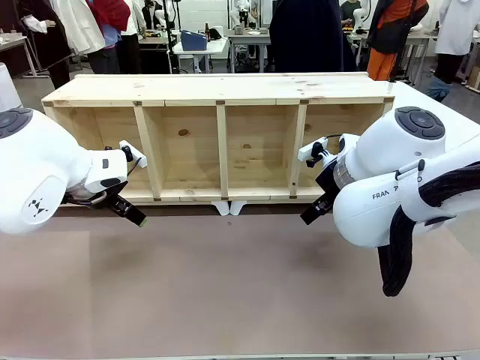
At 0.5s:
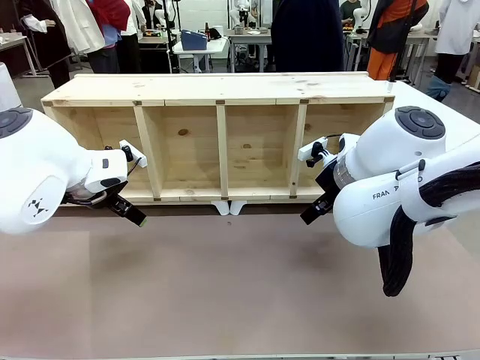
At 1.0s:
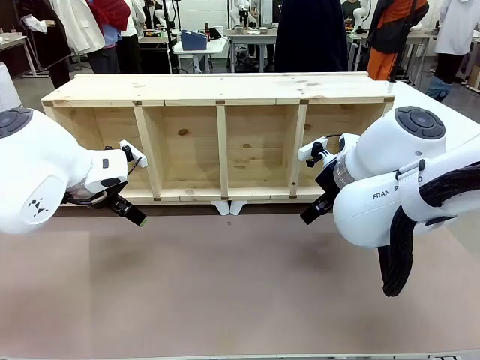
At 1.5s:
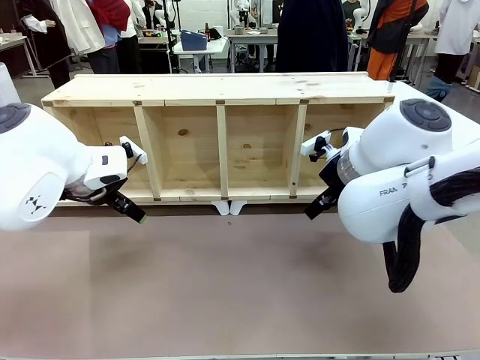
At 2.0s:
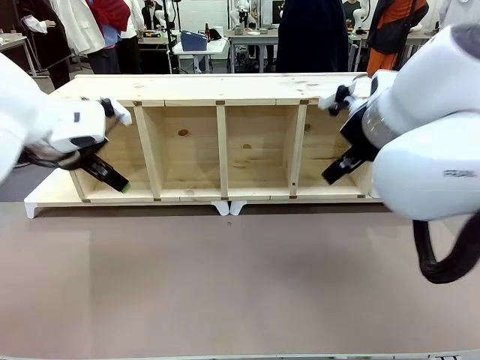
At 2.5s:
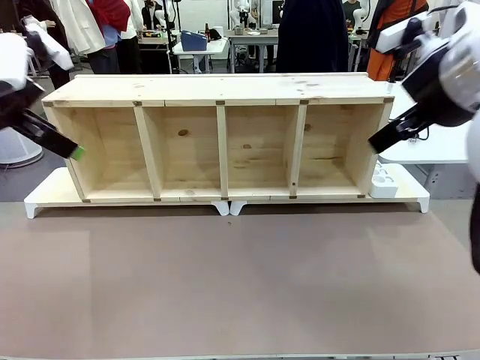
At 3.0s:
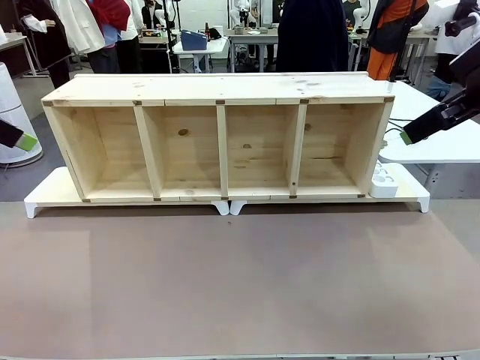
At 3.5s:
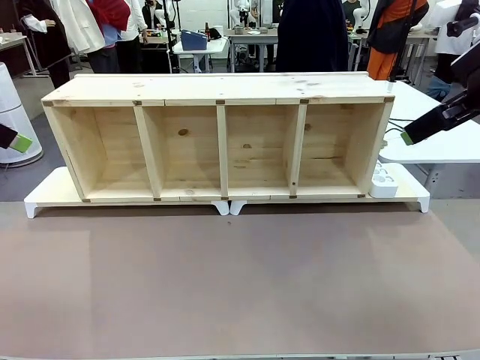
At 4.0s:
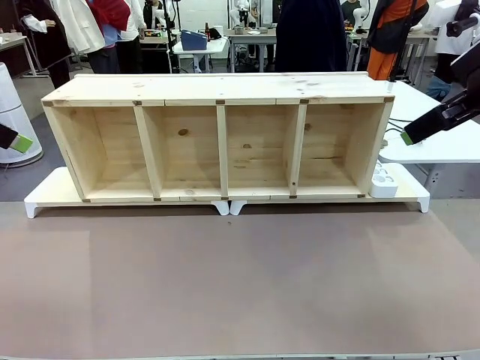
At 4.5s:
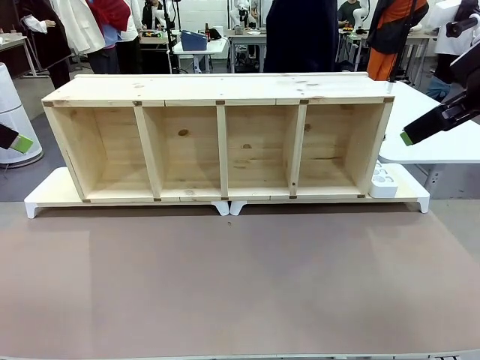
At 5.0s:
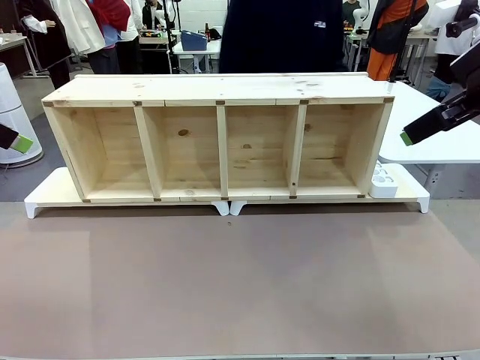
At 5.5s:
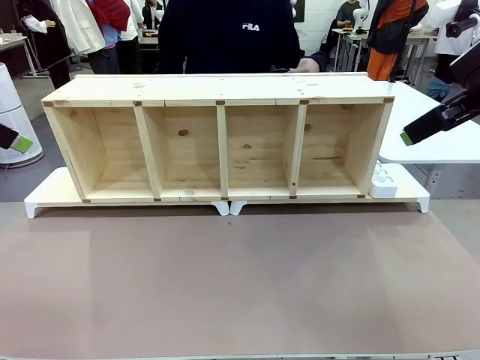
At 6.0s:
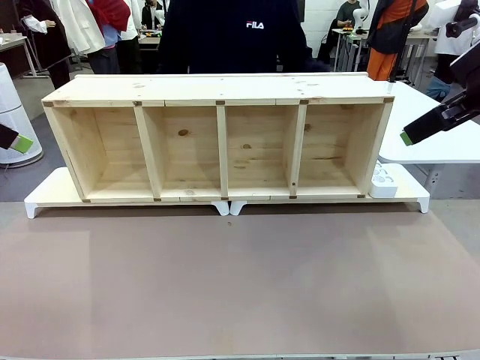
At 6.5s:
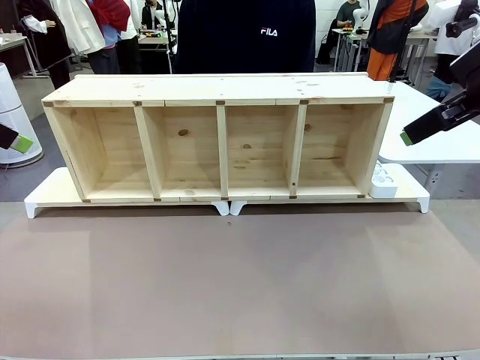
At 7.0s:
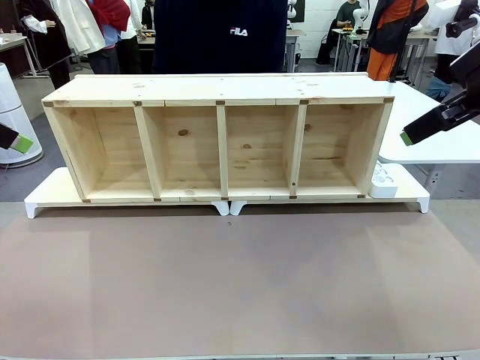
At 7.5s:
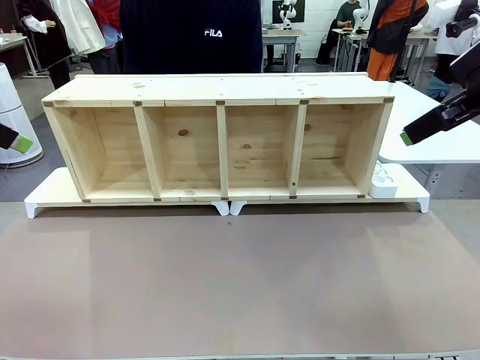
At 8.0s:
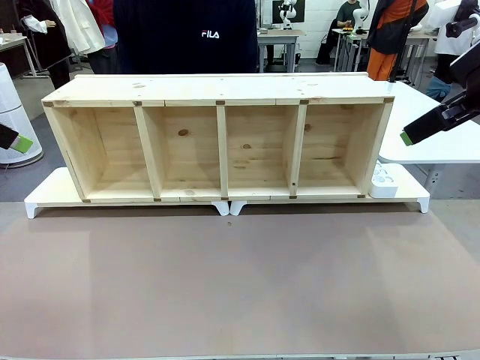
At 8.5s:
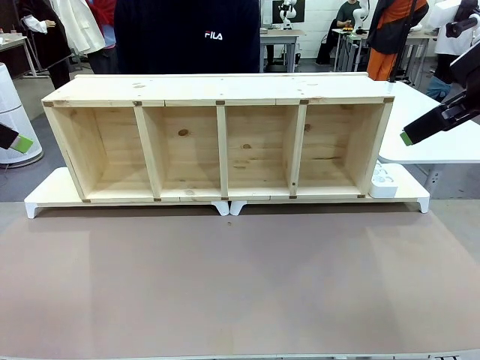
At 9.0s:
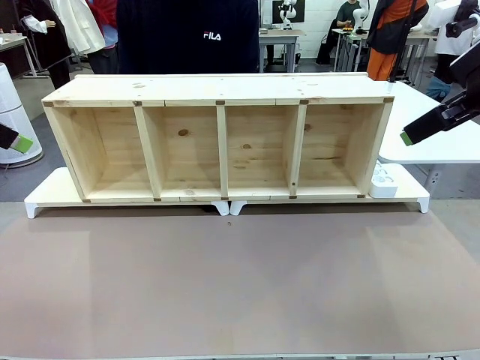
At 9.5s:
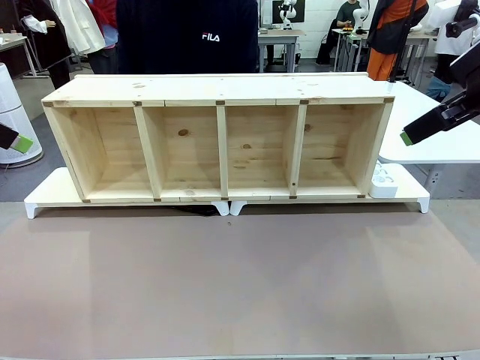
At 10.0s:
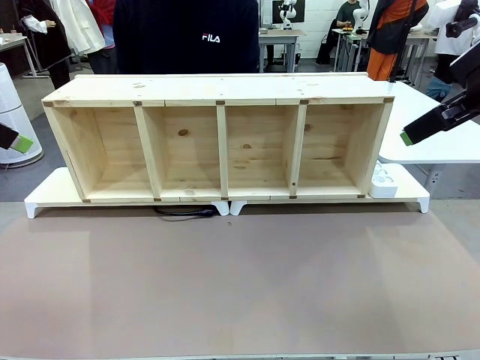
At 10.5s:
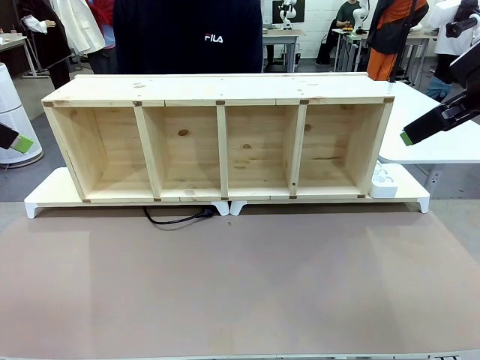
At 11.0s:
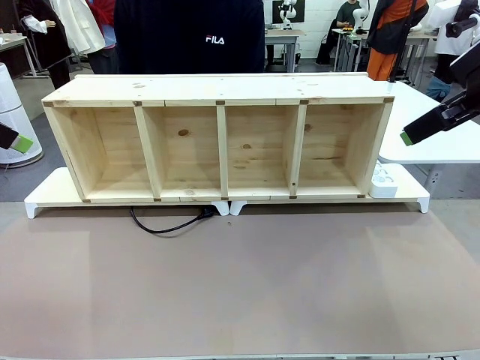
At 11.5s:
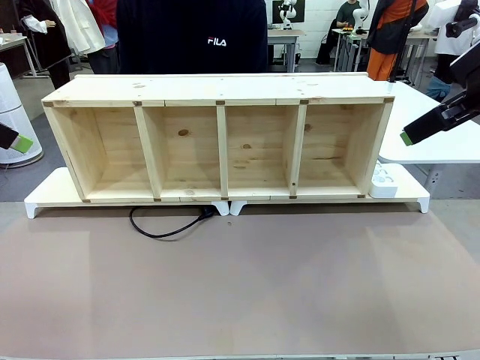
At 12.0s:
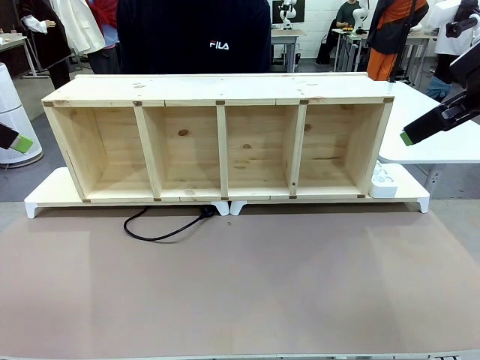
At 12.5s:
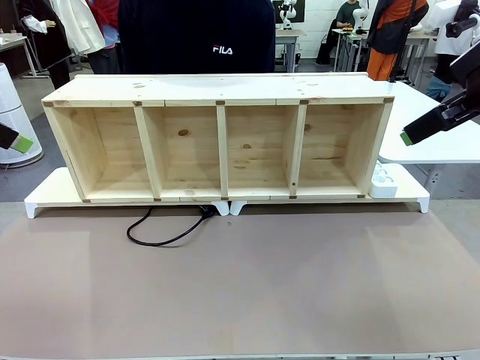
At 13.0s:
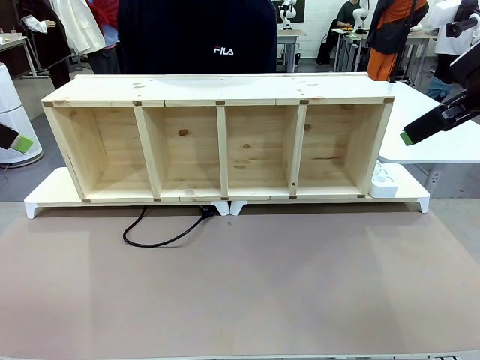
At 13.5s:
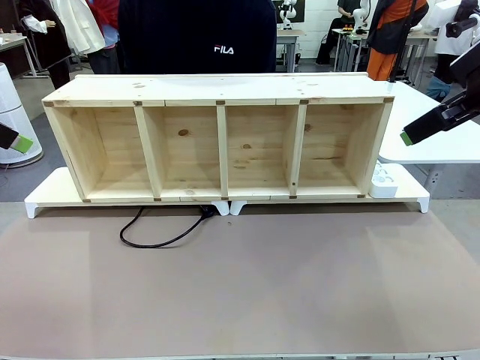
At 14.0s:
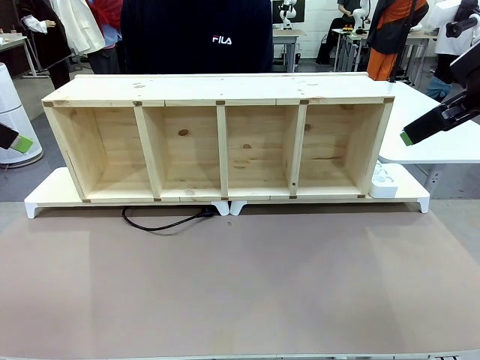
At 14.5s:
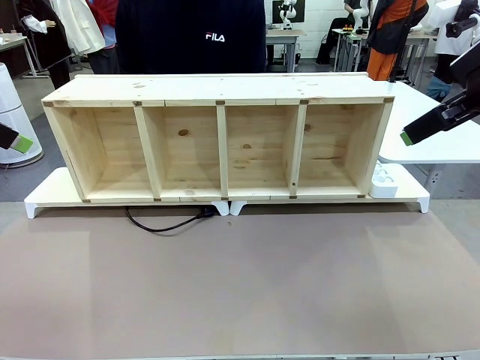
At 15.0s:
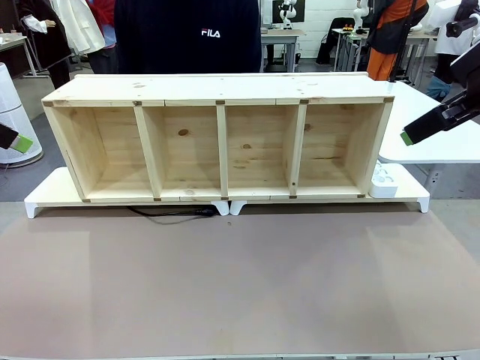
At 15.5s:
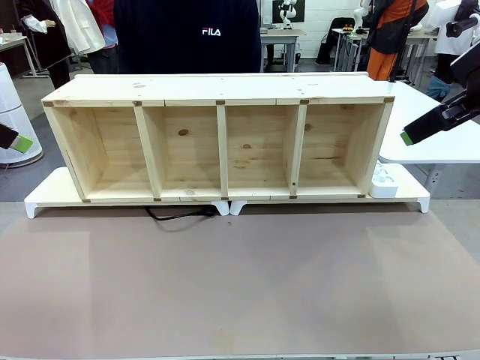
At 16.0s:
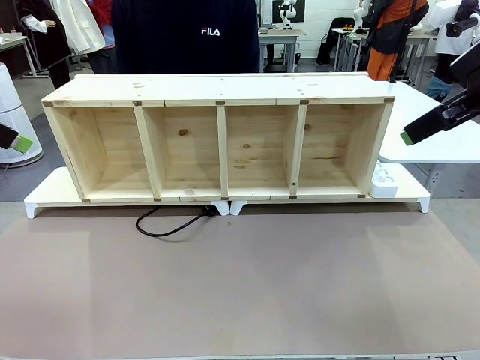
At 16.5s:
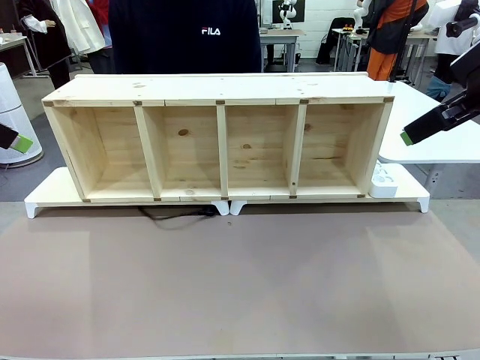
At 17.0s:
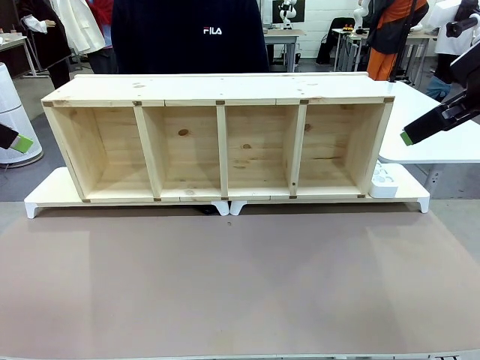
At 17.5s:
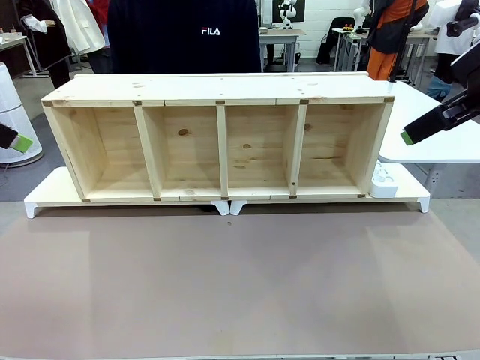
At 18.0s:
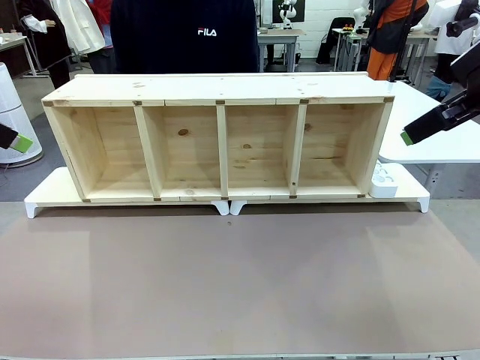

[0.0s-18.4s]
Task: Perform cable management.
Robot: When the cord part of the Power Cable appears at the lower middle area of the table and stops, grasp the cord part of the Power Cable.
Person: Pass the Power Cable under the Serving Table.

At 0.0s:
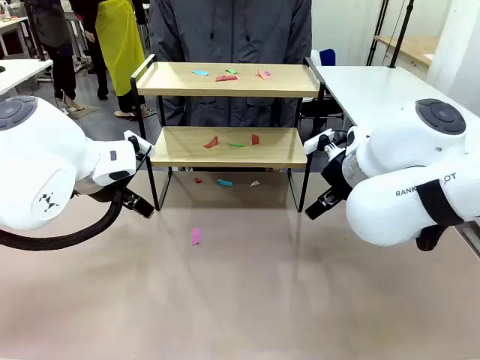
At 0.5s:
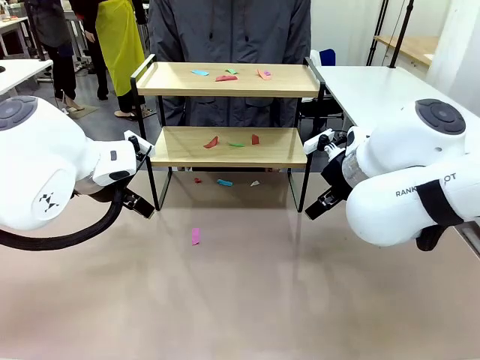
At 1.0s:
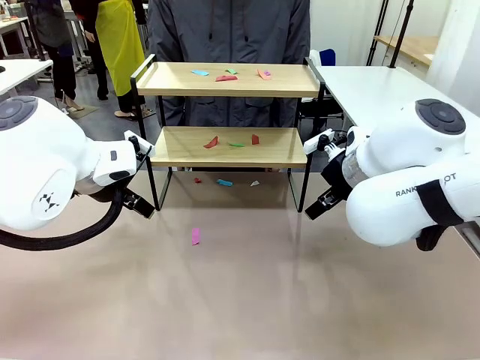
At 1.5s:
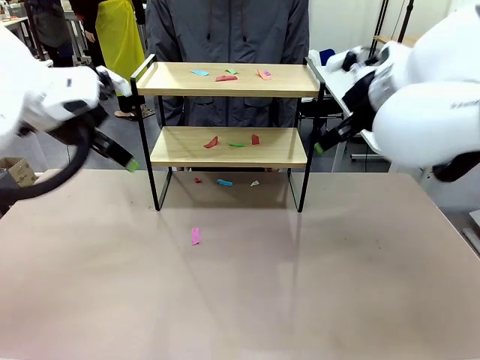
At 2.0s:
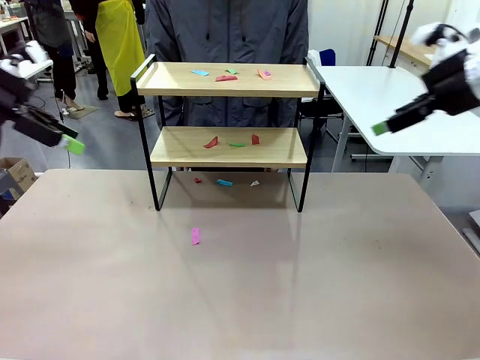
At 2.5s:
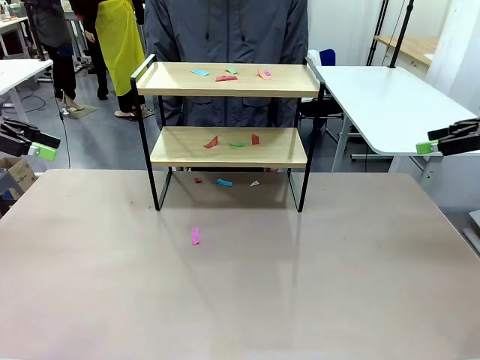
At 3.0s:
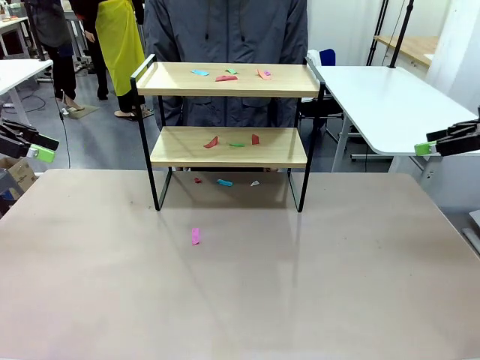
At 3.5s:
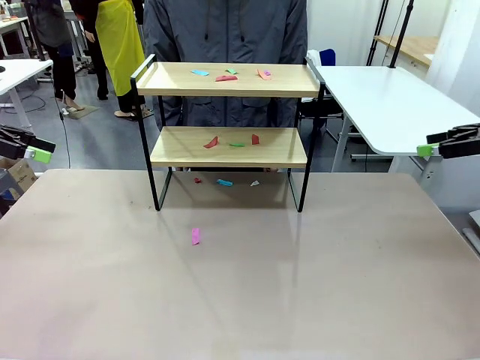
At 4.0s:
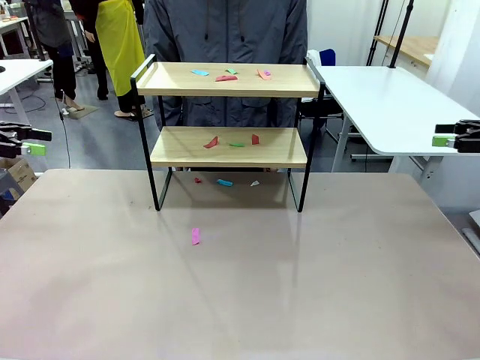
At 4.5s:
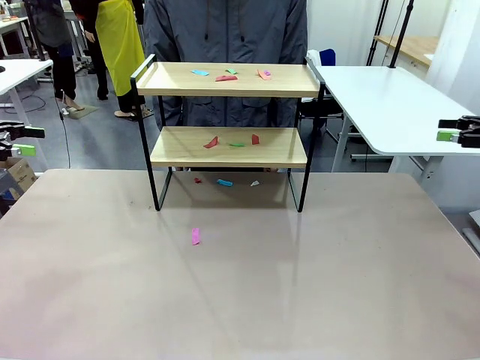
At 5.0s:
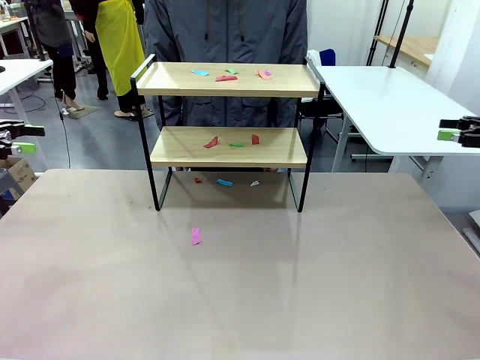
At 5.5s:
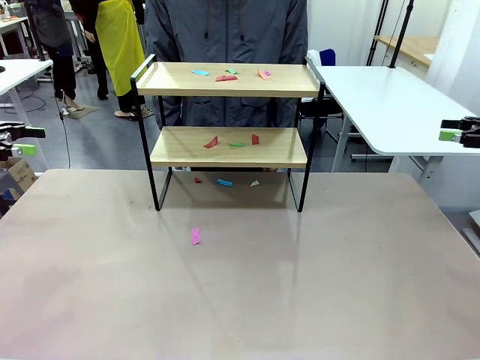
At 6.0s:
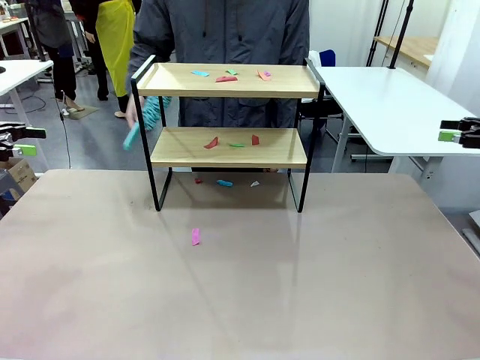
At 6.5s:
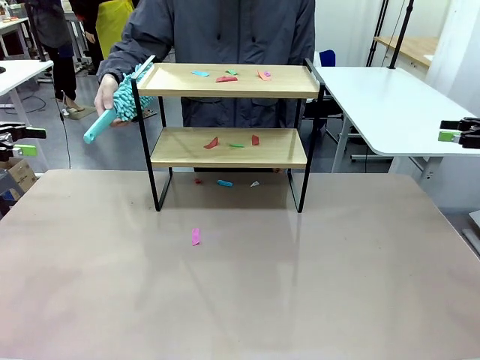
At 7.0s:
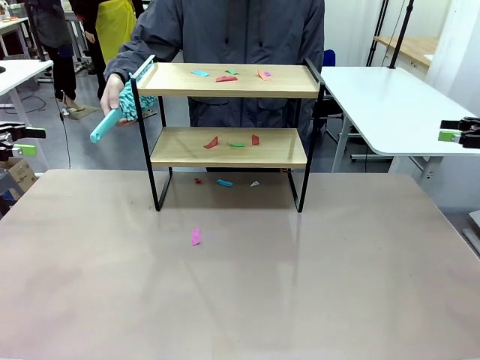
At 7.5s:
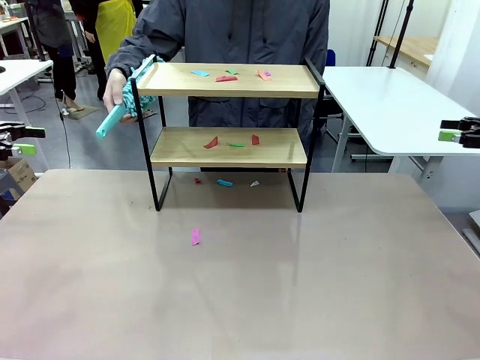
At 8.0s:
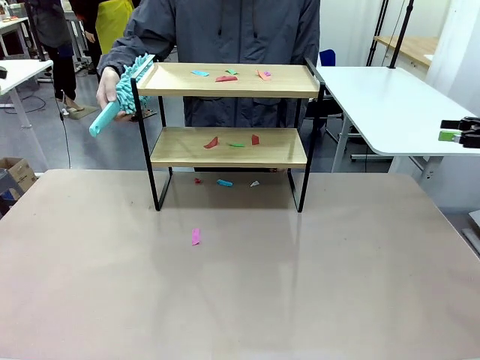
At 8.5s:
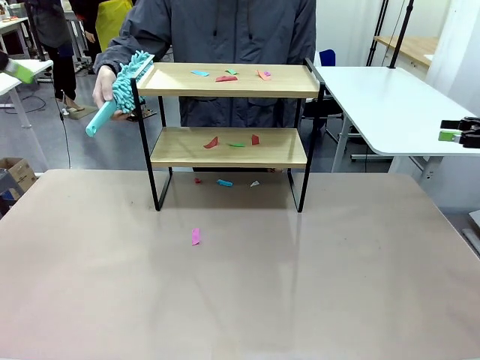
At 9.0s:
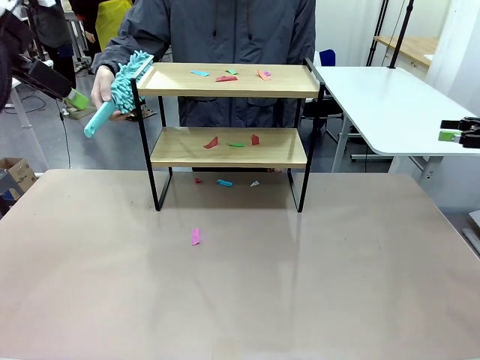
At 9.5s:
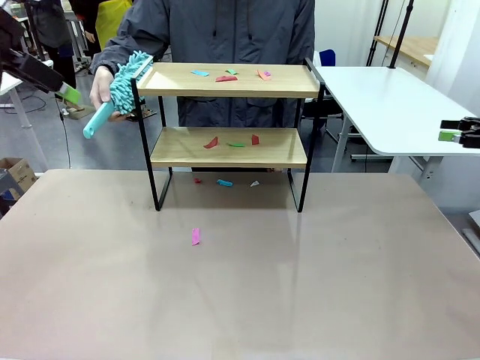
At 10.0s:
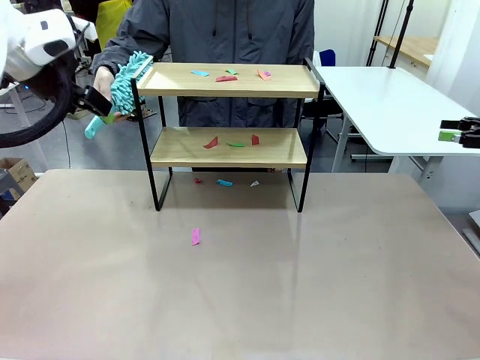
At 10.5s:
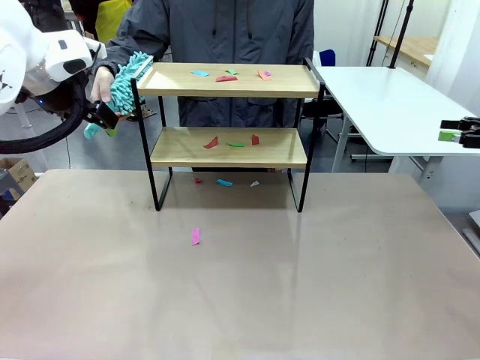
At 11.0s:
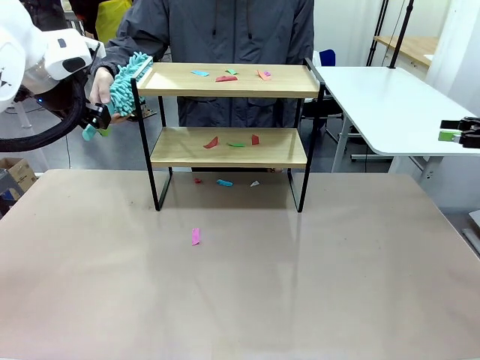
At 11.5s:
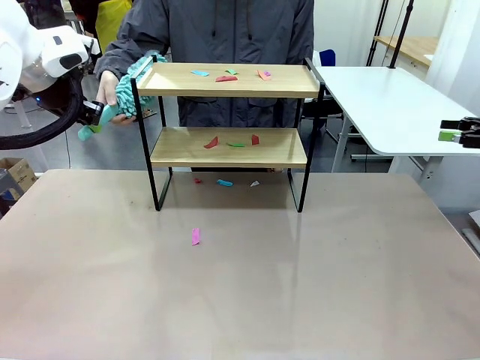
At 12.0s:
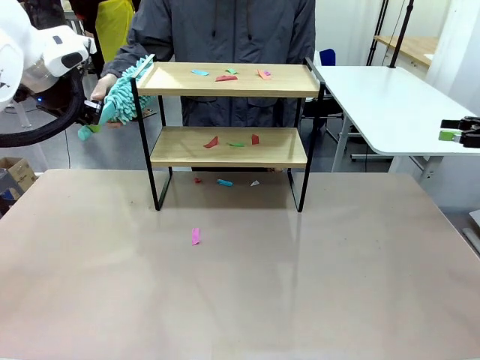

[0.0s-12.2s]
Task: Clean the shelf.
Robot: Pick up the Duster handed by the human.
Person: Hand the Duster to the robot.
